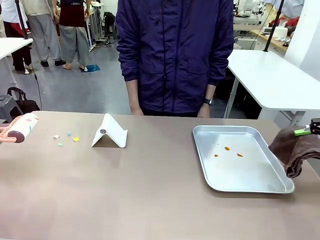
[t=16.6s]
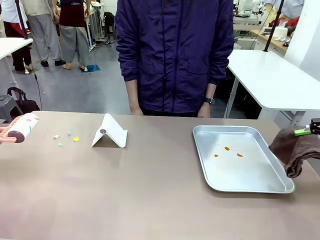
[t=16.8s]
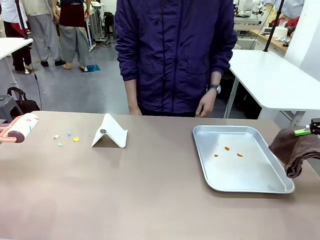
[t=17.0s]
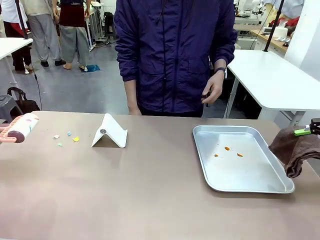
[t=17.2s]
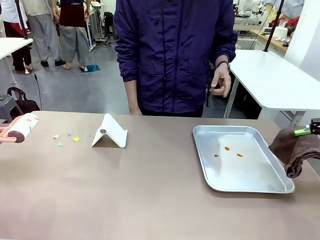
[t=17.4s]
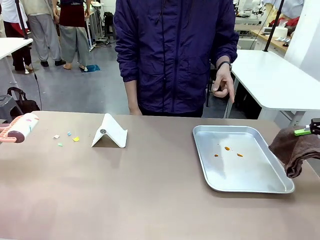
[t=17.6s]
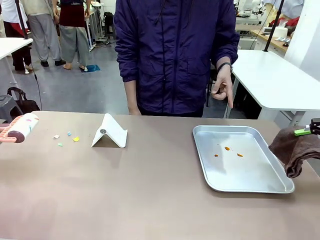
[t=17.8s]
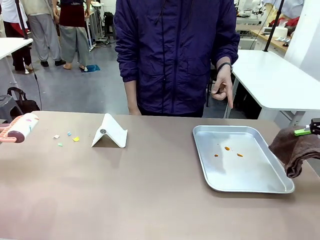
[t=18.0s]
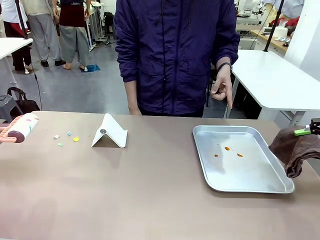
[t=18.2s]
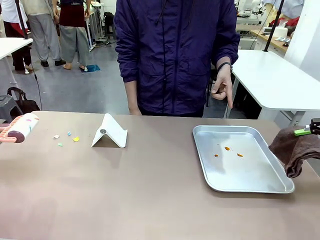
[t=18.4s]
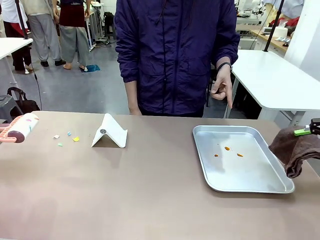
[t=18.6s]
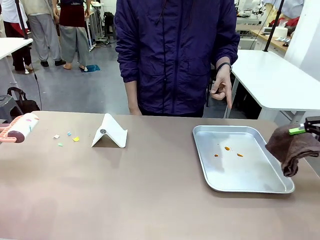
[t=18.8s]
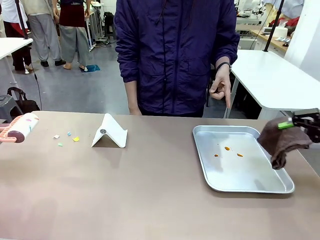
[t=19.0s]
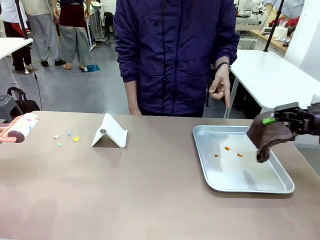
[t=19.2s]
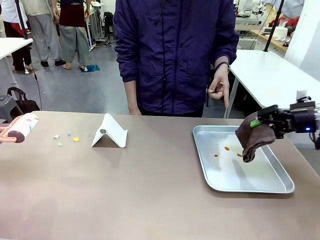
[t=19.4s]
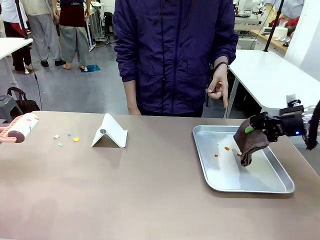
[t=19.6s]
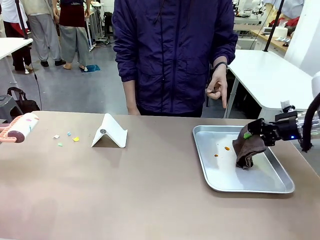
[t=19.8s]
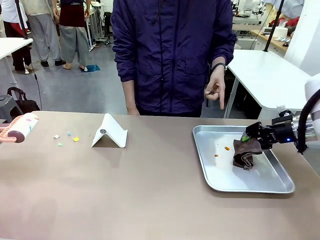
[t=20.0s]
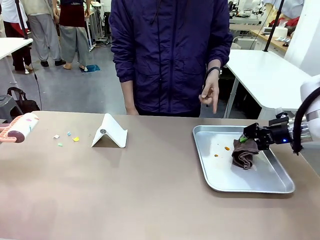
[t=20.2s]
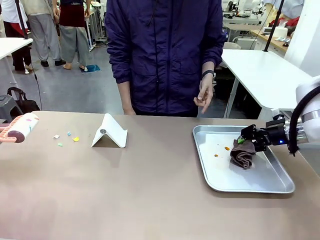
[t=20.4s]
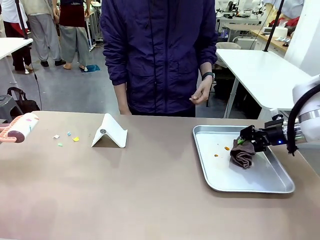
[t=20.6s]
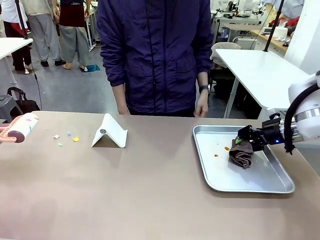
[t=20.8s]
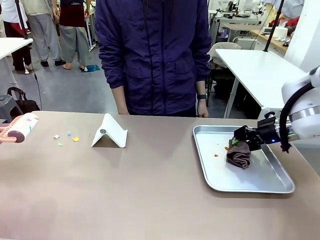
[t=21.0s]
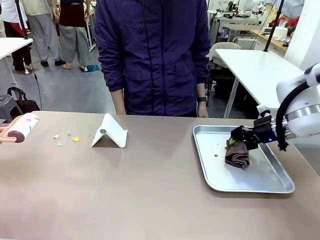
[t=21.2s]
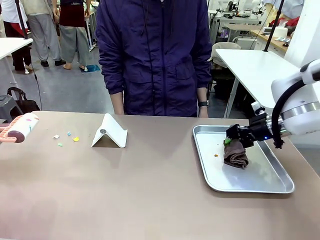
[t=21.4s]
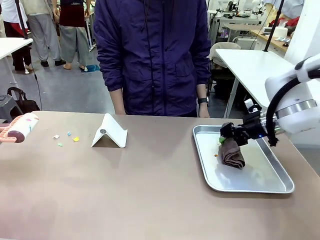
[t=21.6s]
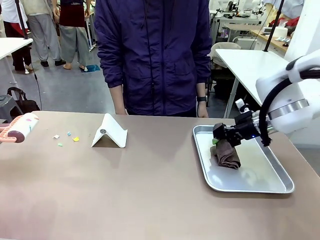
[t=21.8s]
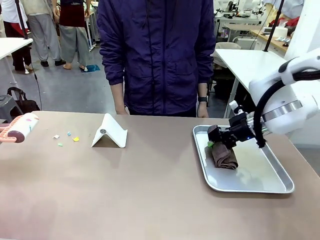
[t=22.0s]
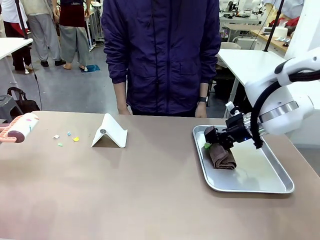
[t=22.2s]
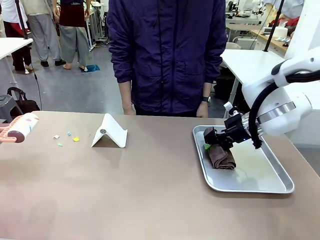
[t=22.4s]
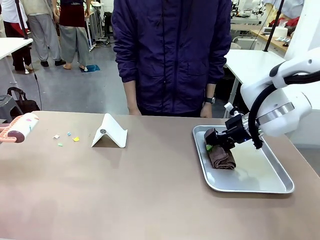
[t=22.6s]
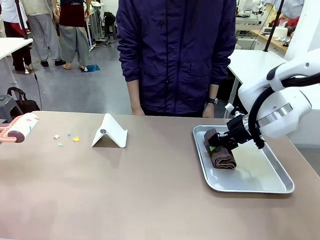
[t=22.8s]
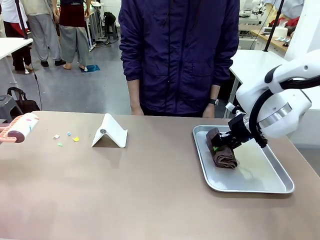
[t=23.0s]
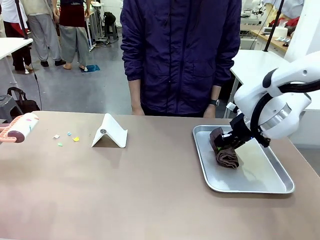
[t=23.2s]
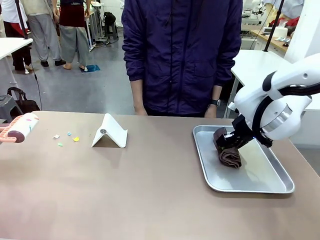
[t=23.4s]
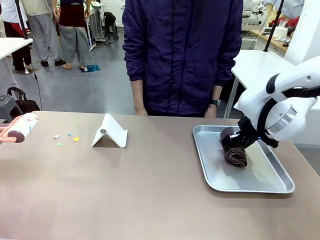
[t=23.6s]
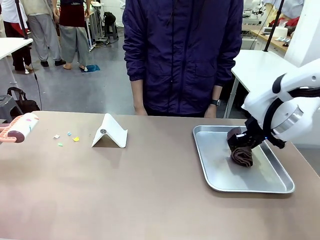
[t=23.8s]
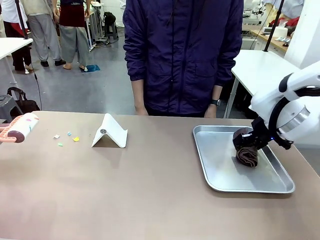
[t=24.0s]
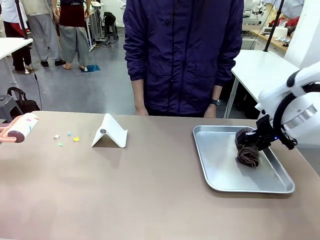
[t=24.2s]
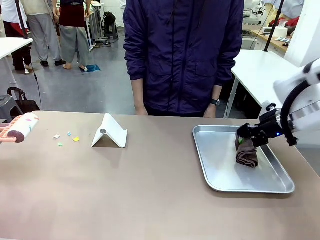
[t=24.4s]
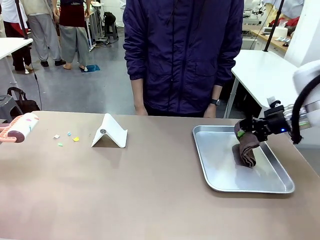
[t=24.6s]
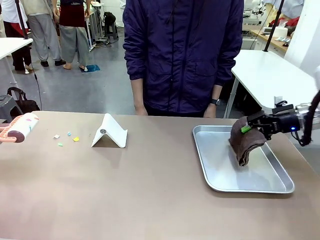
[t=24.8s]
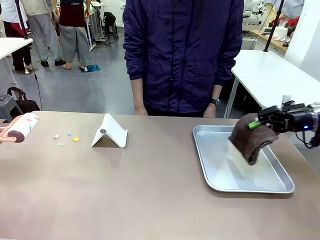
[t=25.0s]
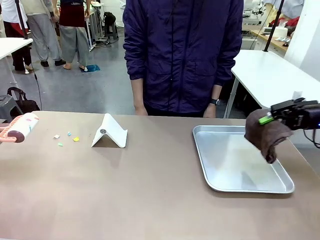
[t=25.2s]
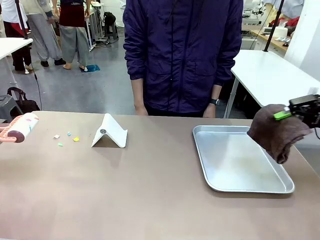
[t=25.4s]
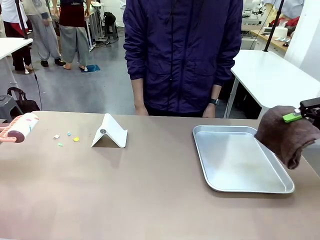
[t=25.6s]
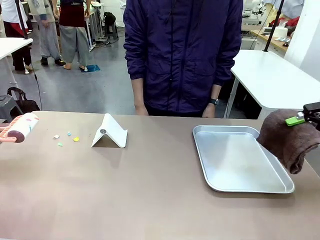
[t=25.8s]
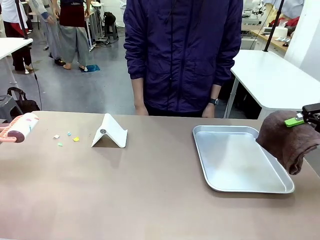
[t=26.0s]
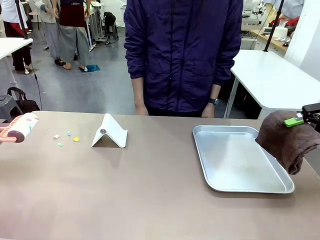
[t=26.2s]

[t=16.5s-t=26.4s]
Task: Clean the surface of the table.
Robot: If a person points to the right, clean the right side of the table with your right hand, and if they point to the left, clean the left side with your left hand.

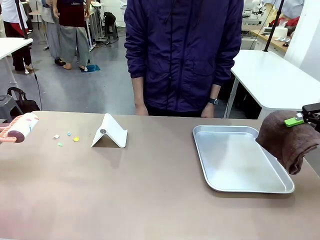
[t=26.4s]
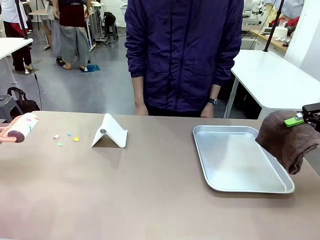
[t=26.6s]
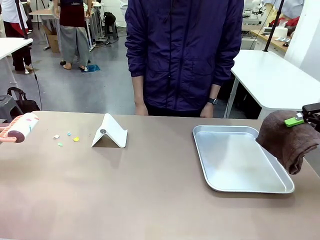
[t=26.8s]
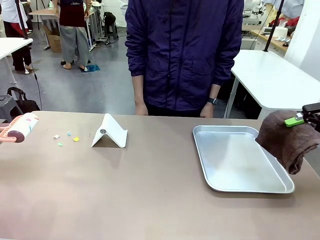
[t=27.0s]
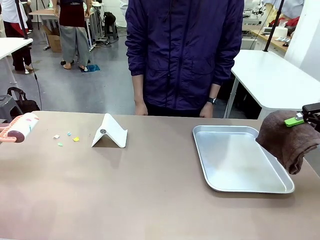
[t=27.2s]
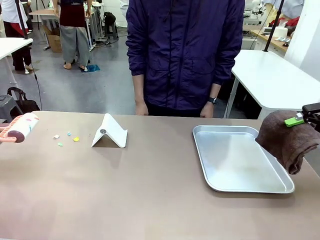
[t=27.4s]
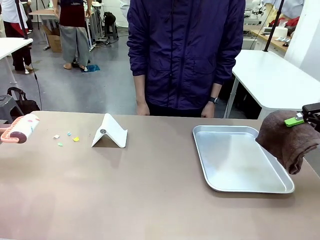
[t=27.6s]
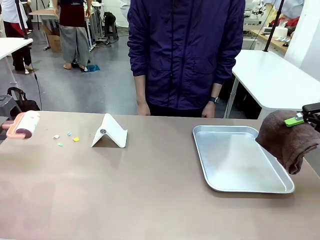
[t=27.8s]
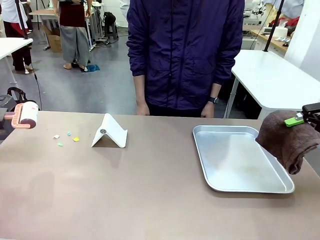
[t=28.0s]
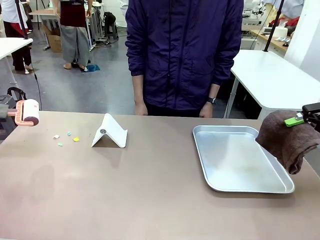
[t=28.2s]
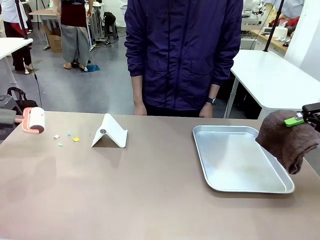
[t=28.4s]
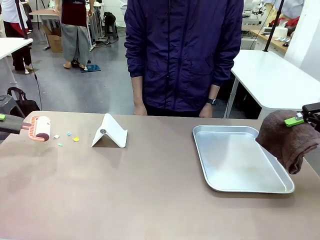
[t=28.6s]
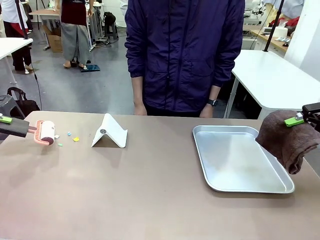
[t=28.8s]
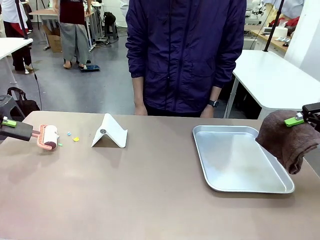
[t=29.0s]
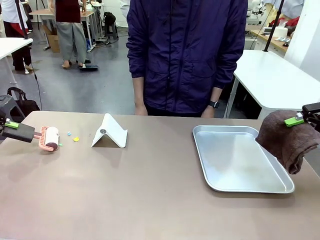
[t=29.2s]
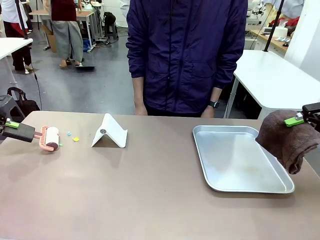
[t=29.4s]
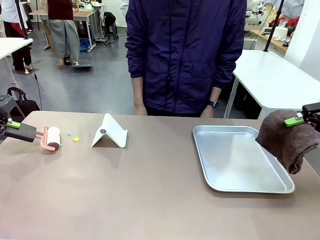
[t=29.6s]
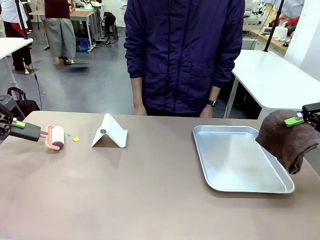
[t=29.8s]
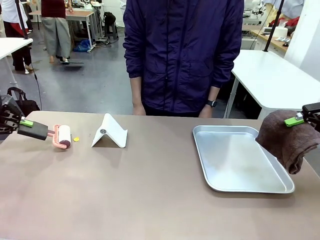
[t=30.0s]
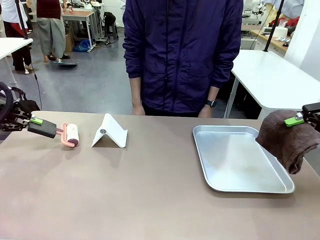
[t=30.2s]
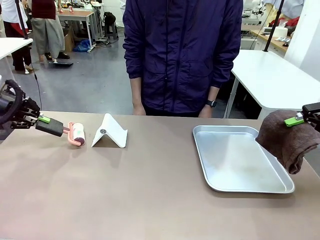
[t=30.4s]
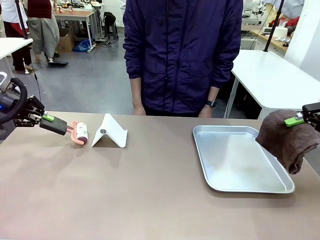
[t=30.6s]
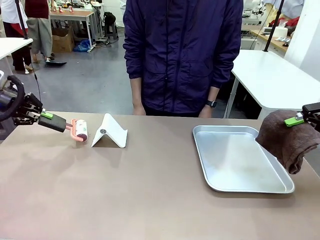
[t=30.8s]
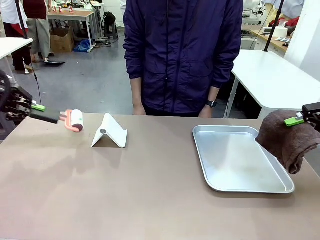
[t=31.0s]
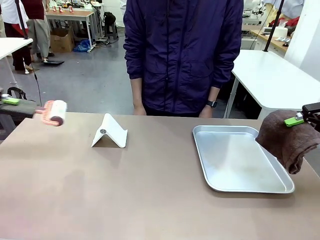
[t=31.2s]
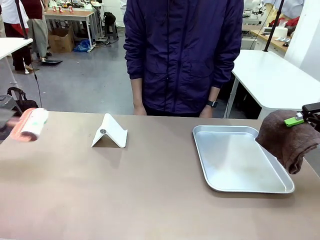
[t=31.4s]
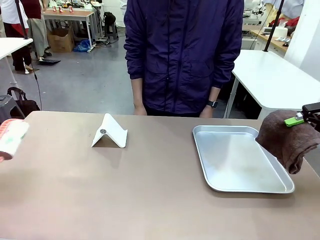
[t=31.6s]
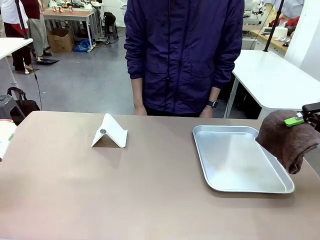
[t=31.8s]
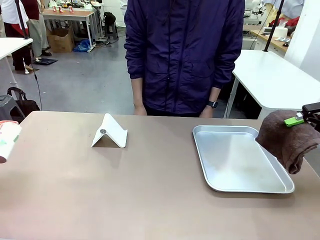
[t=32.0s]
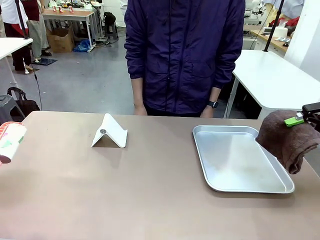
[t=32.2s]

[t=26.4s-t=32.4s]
Robot: Clean the area not pointed to by the person.
